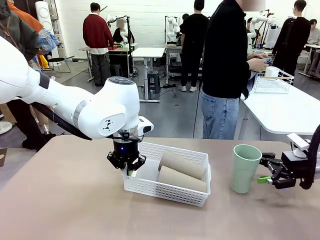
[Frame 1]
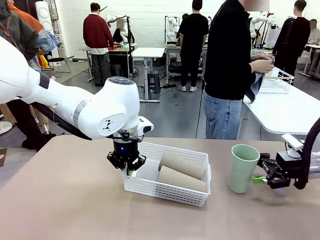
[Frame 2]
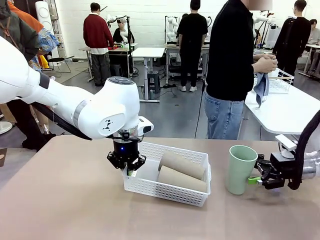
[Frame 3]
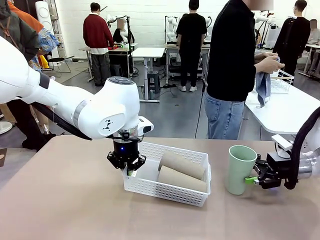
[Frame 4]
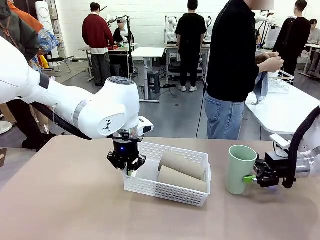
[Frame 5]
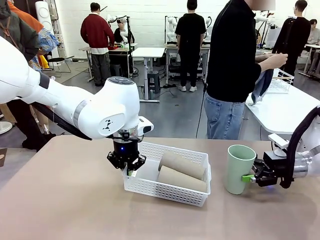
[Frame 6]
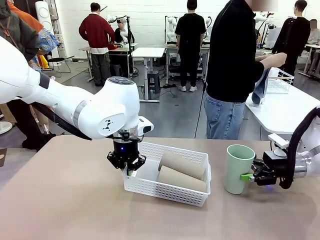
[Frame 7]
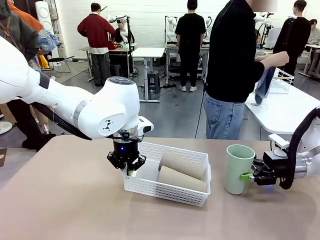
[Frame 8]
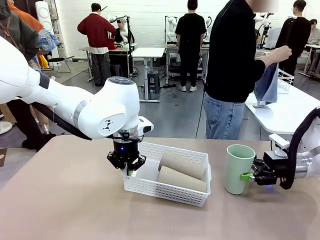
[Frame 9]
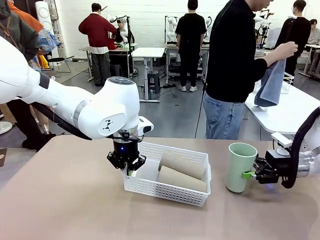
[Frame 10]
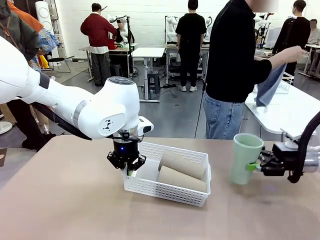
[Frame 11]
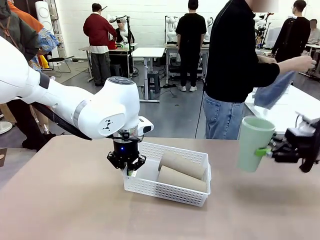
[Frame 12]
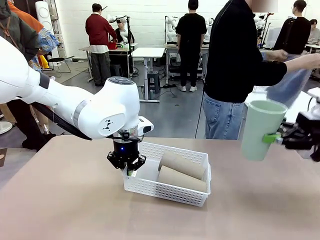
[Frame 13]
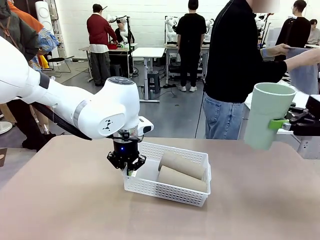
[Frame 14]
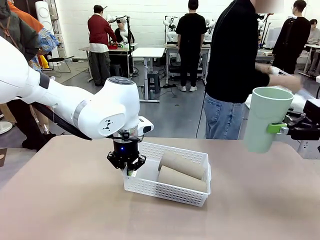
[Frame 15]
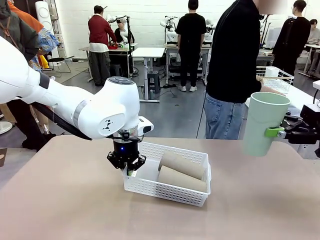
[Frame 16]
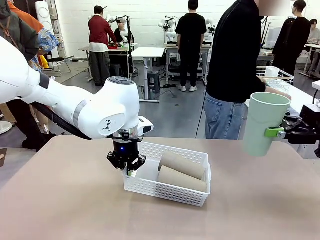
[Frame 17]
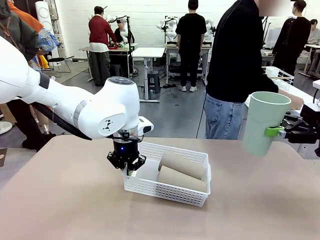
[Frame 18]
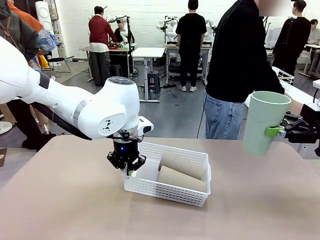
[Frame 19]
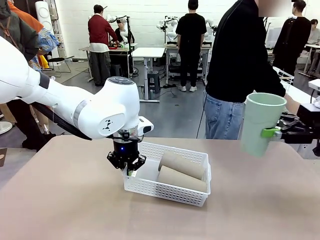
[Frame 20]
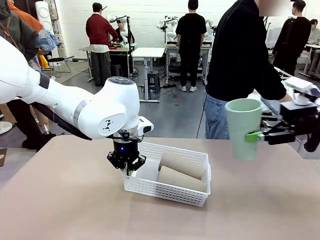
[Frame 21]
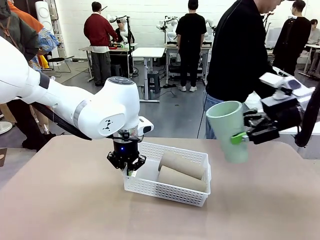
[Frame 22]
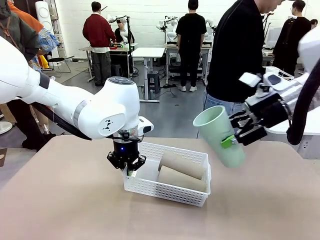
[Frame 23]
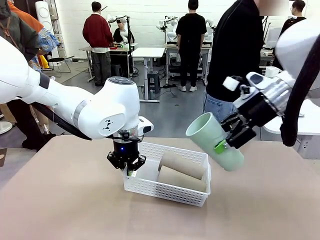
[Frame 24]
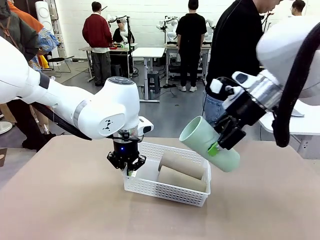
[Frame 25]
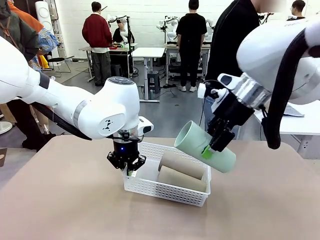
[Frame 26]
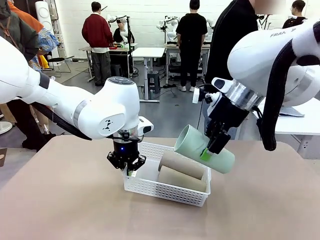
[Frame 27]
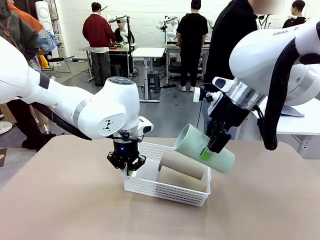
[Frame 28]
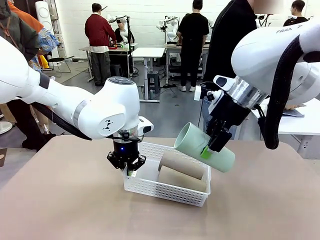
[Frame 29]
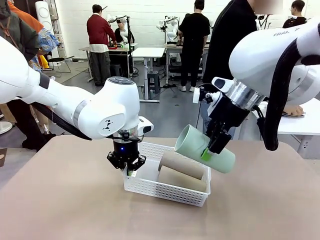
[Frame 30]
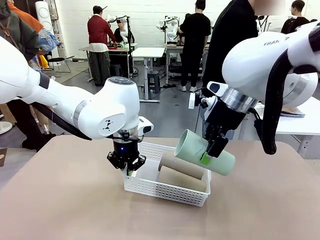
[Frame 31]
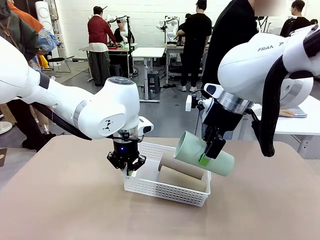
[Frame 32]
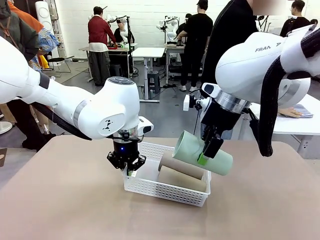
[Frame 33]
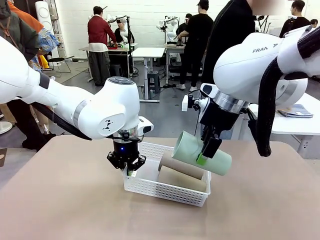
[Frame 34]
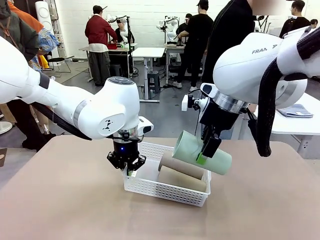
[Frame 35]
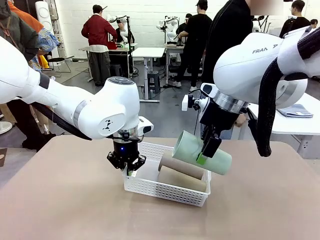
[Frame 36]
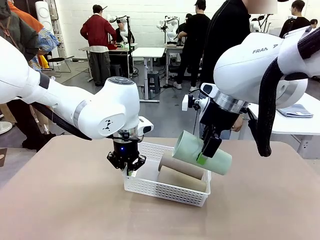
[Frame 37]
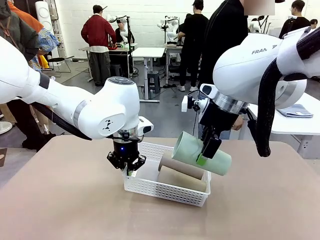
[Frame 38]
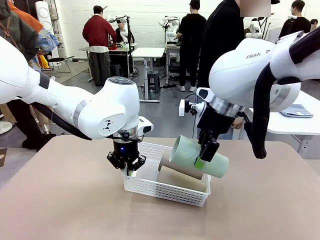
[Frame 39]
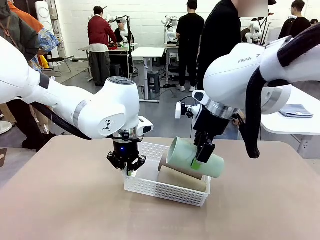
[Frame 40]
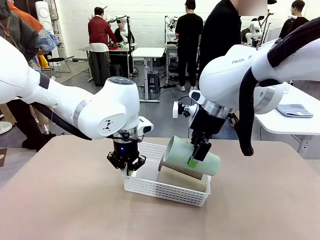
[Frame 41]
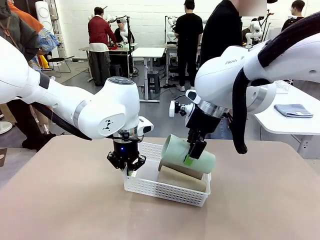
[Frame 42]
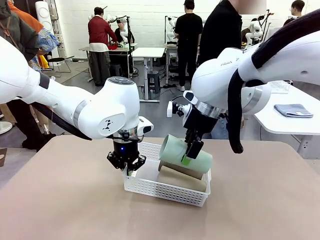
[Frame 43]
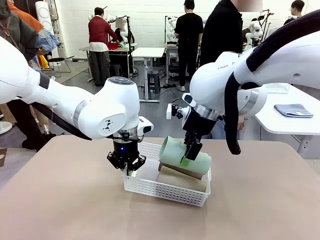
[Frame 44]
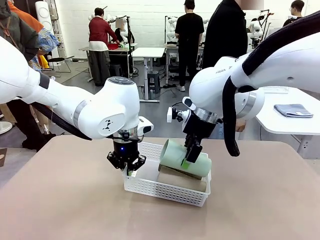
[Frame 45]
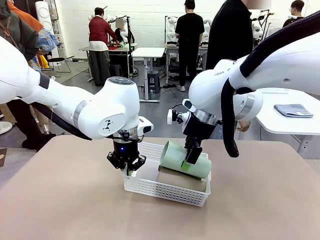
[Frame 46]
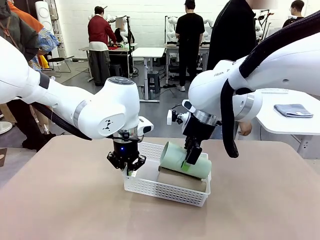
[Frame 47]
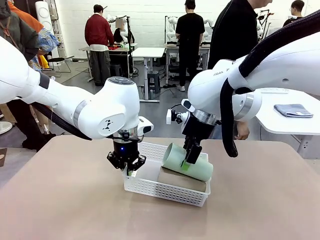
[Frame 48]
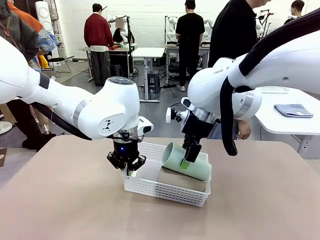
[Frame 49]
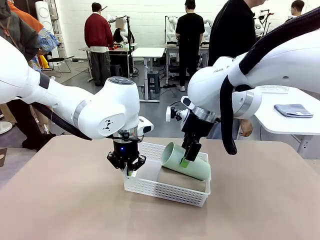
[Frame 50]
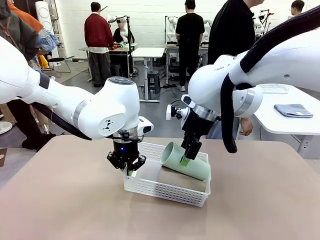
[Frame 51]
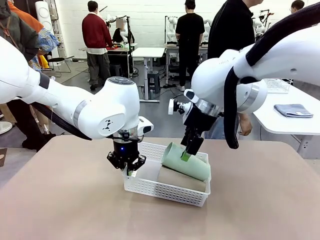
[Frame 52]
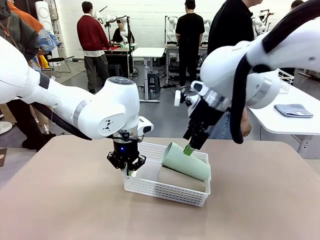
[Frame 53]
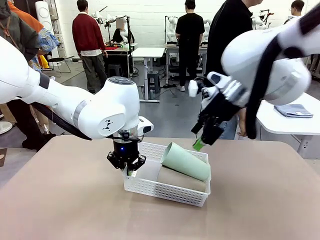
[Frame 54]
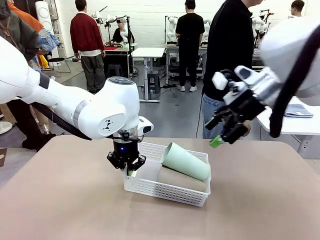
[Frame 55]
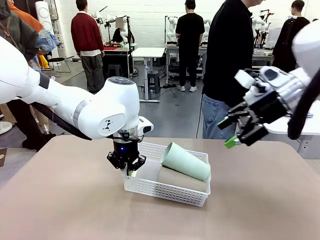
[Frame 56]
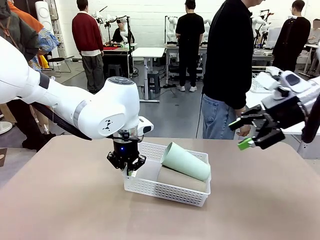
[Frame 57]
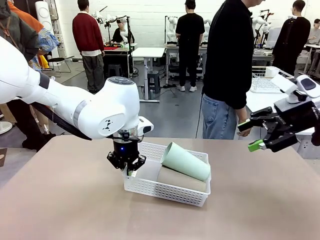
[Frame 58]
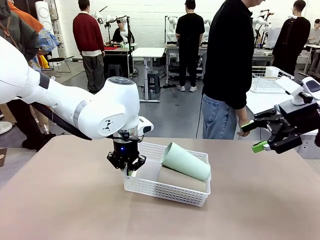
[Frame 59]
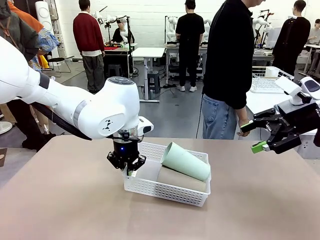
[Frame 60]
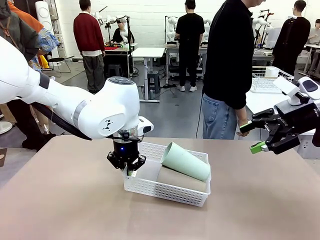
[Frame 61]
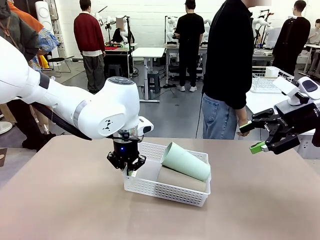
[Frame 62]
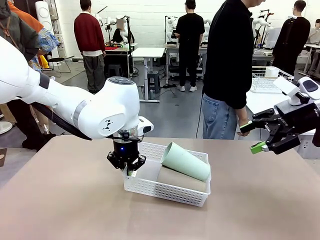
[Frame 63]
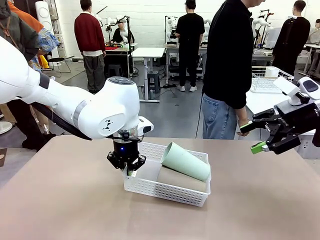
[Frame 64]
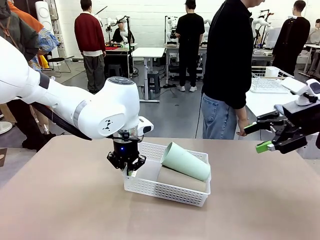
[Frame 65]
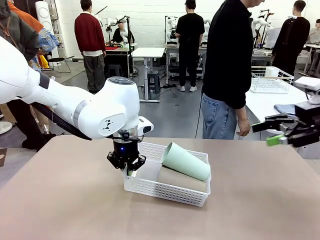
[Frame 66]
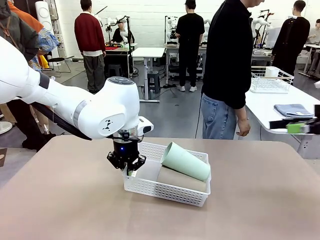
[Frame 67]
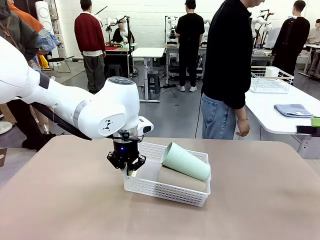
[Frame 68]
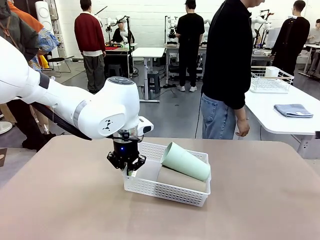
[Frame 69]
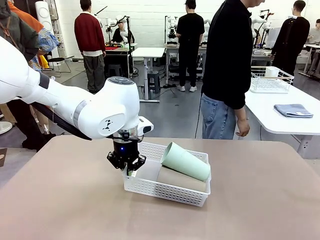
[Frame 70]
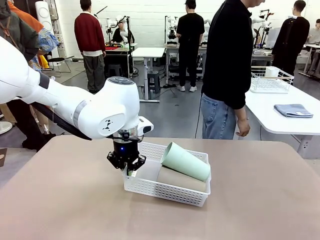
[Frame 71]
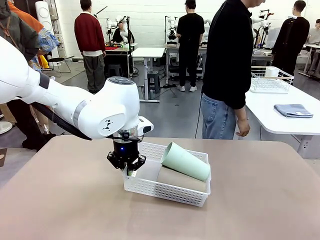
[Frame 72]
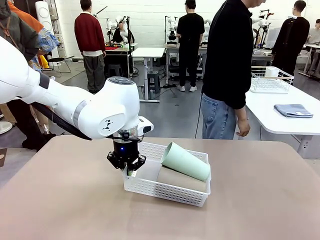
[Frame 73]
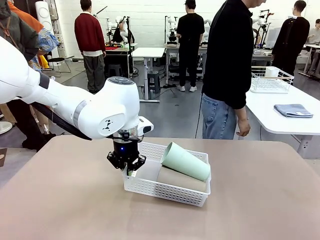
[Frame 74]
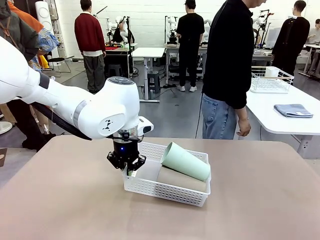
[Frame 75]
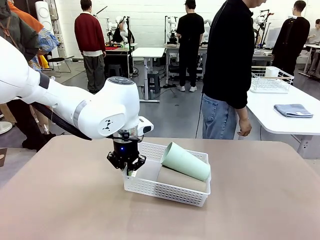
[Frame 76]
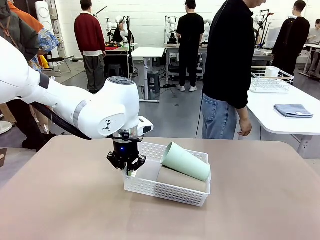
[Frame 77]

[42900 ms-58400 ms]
Task: Clean and organize the cups into the basket.
Robot: Pick up the Reusable plastic cup from the right side of the table and stack it inside the Organizing basket in the center of the table.
Person: Folds the towel in half twice and places it in the right of the table.

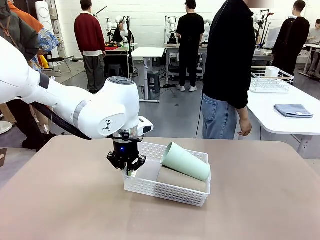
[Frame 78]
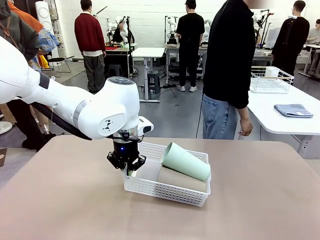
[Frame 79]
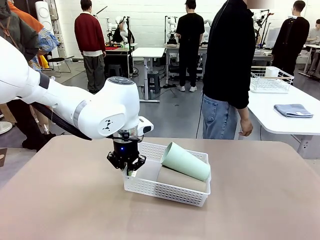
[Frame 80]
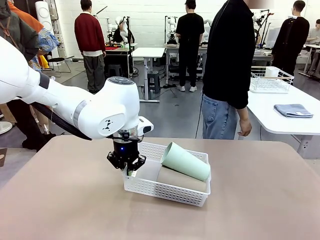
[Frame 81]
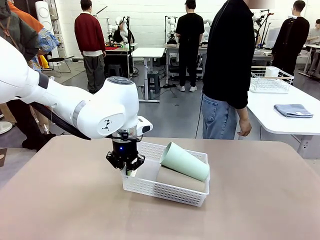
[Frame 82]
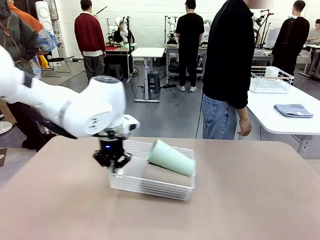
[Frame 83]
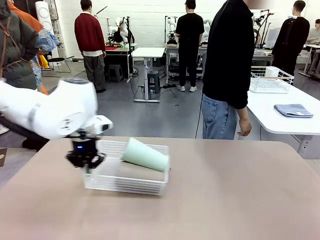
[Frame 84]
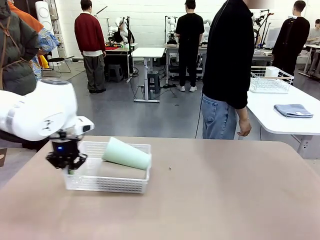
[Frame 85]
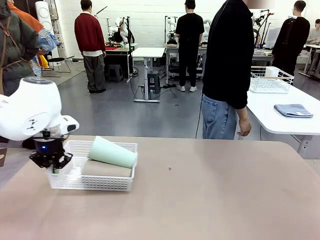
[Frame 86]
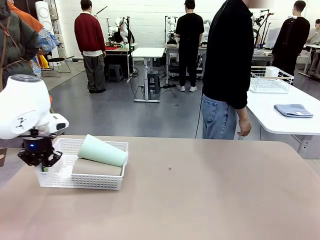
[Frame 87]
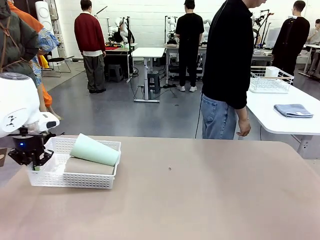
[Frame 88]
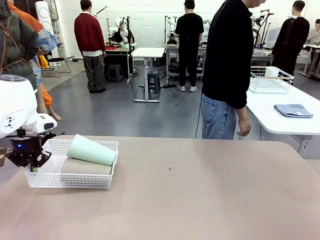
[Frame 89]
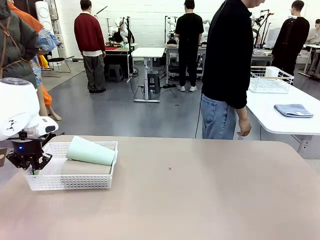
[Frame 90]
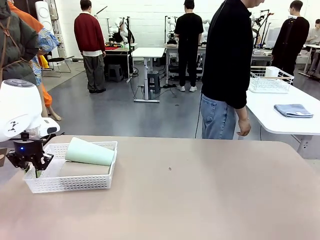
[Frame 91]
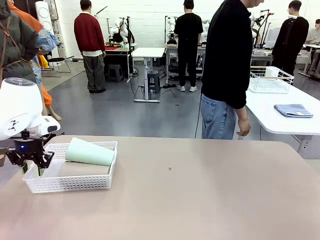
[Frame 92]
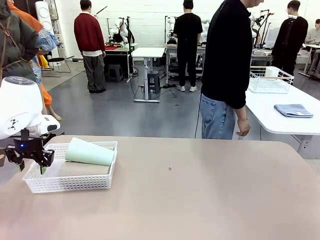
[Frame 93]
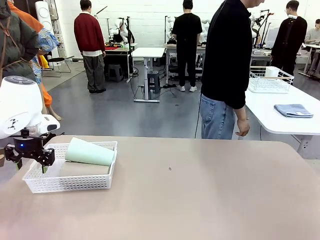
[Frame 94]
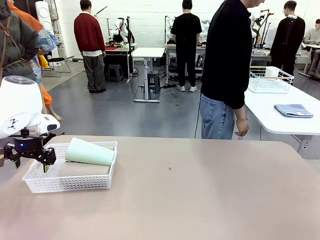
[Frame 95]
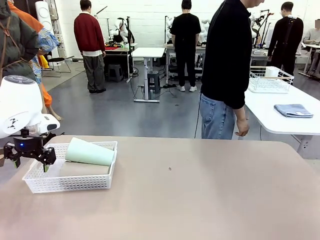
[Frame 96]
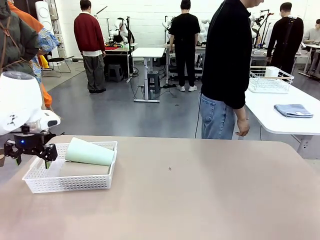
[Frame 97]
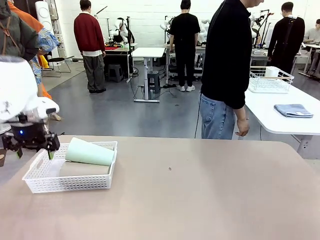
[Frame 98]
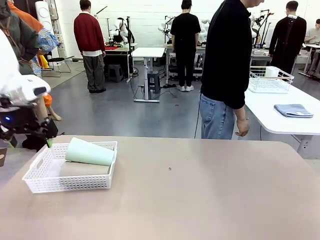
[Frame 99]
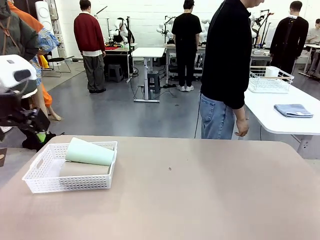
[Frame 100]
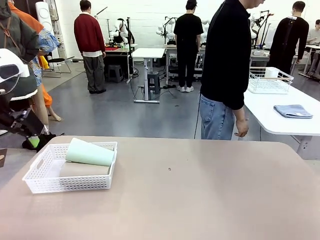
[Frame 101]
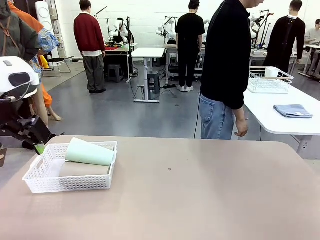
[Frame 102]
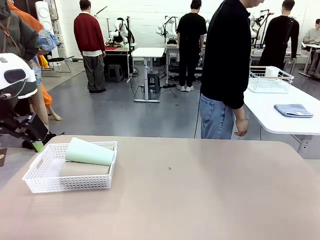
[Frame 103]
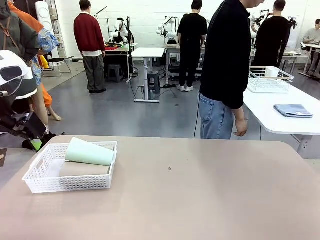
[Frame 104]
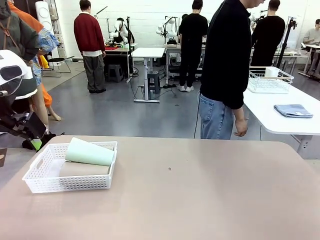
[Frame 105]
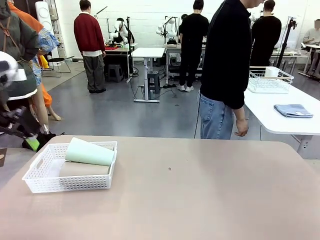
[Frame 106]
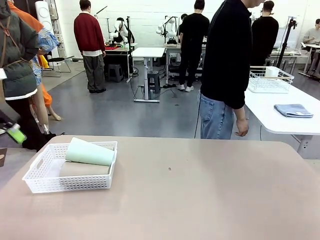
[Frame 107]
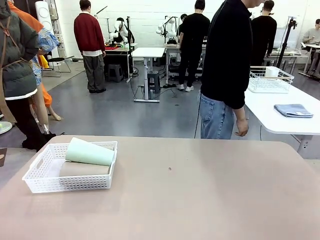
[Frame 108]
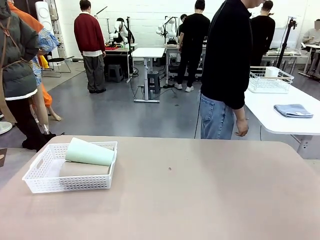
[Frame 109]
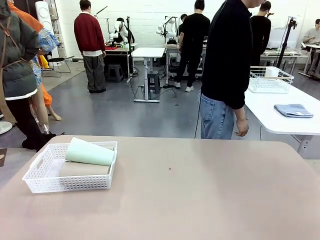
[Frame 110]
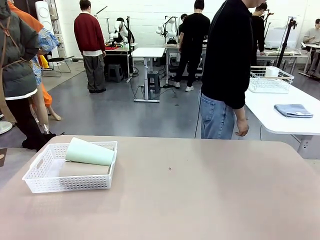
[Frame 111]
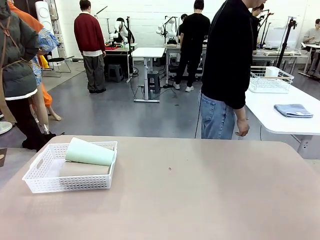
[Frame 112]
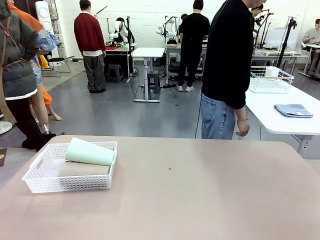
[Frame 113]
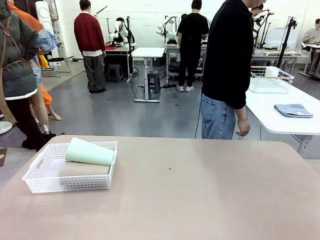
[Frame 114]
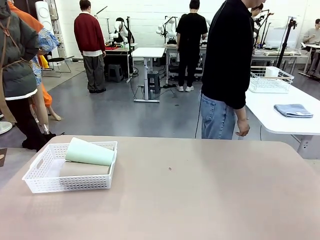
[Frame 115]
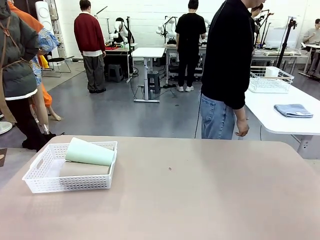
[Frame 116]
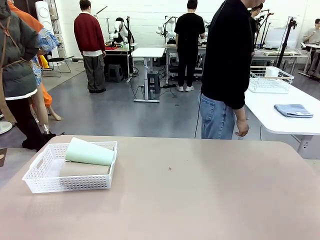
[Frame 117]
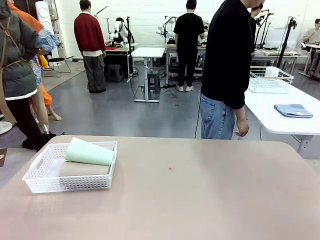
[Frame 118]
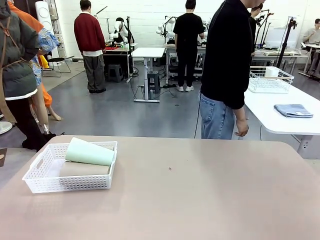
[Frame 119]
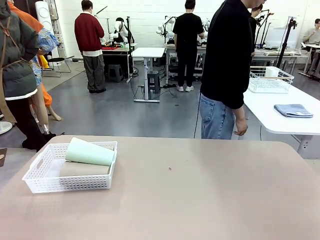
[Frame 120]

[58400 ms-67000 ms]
Robot: Move the Organizing basket back to the left side of the table.
